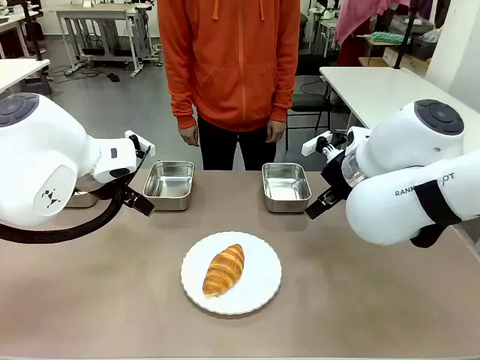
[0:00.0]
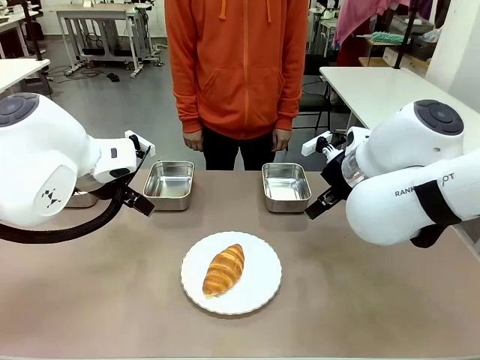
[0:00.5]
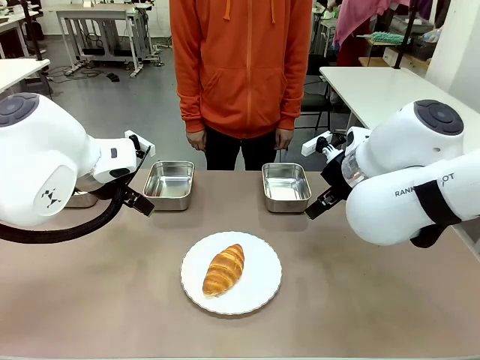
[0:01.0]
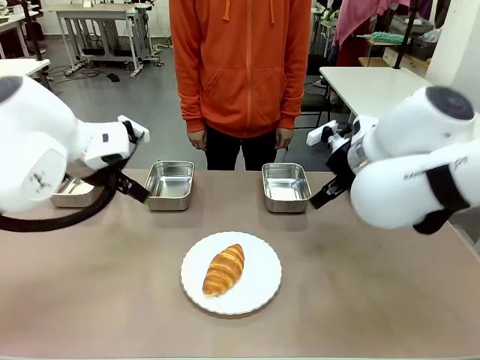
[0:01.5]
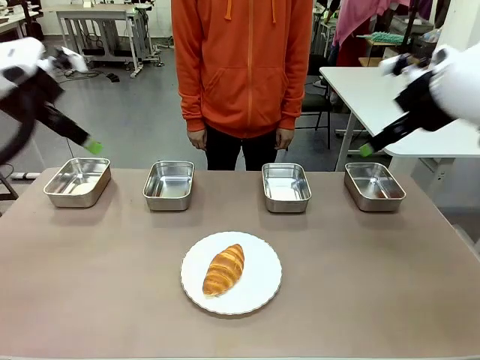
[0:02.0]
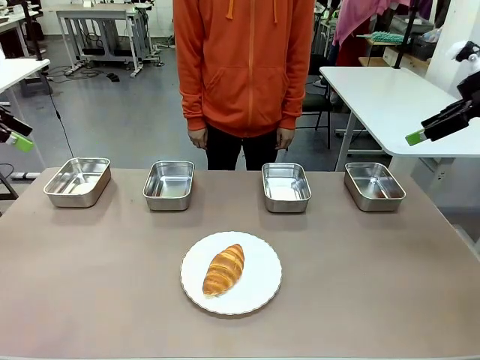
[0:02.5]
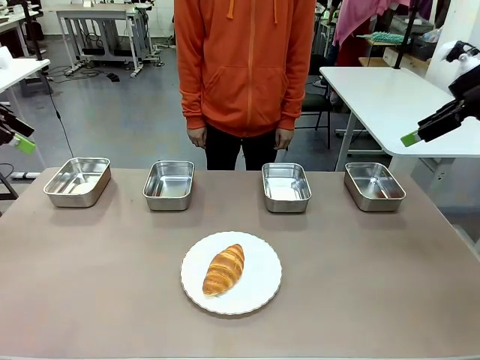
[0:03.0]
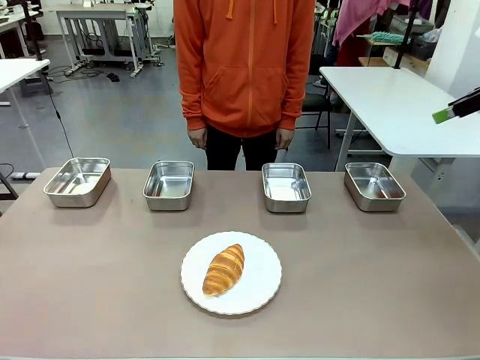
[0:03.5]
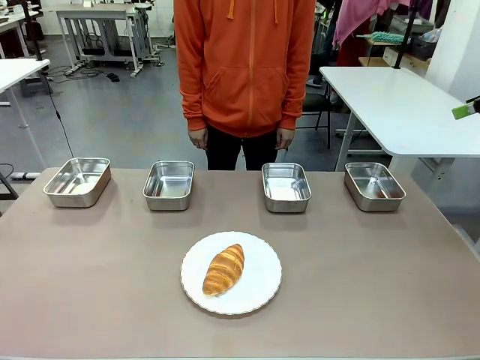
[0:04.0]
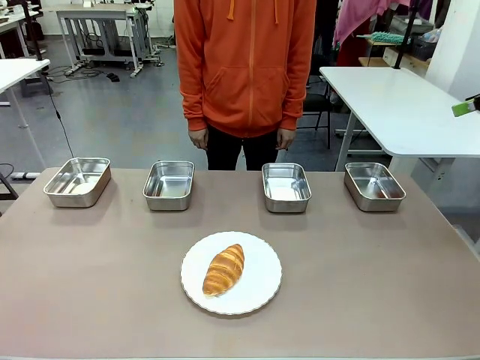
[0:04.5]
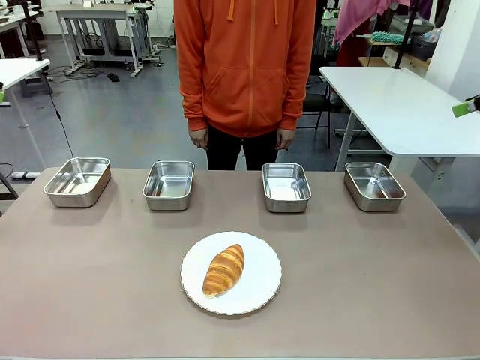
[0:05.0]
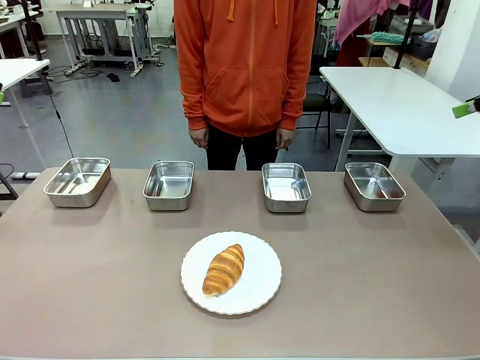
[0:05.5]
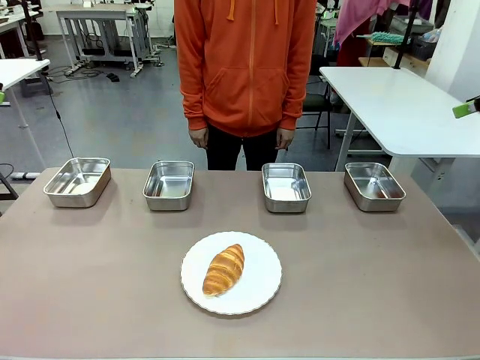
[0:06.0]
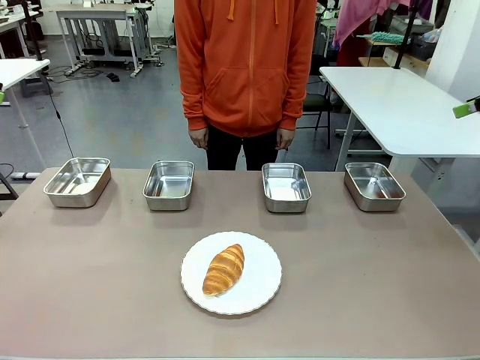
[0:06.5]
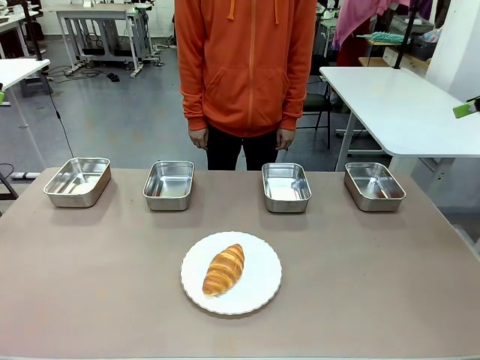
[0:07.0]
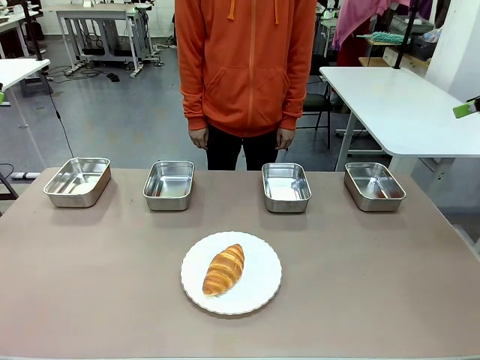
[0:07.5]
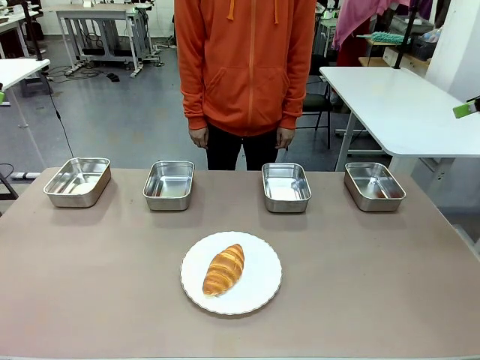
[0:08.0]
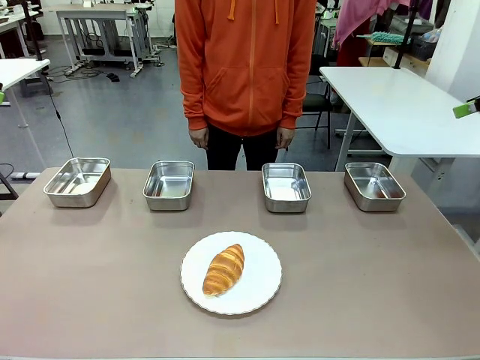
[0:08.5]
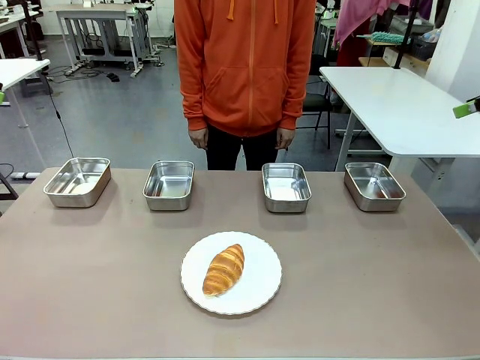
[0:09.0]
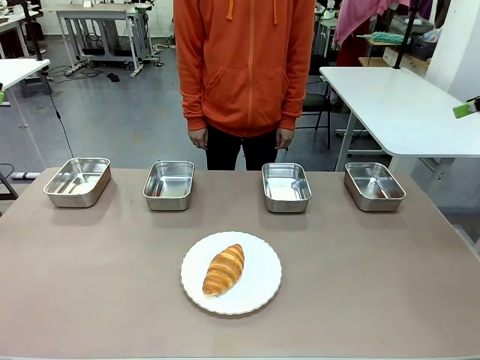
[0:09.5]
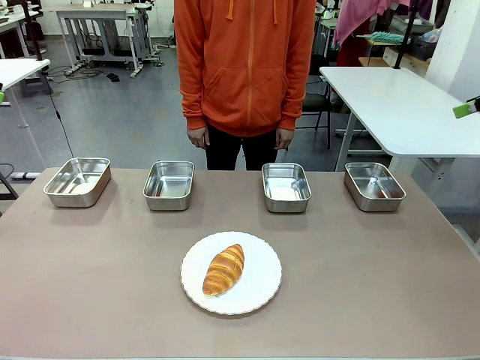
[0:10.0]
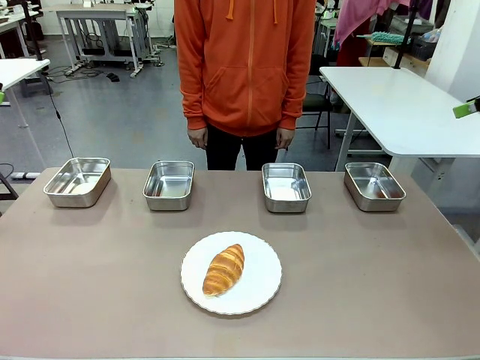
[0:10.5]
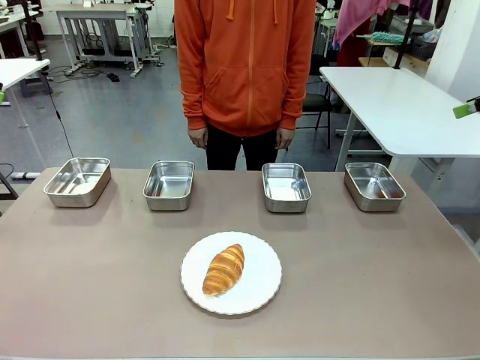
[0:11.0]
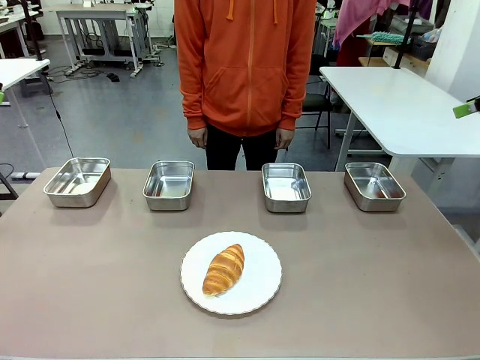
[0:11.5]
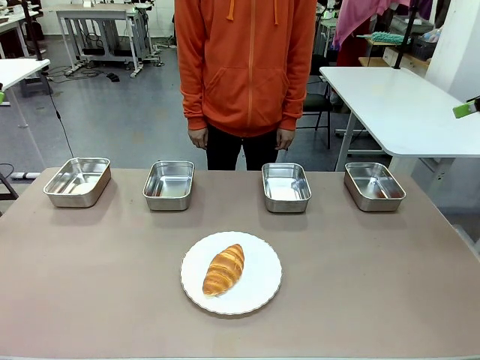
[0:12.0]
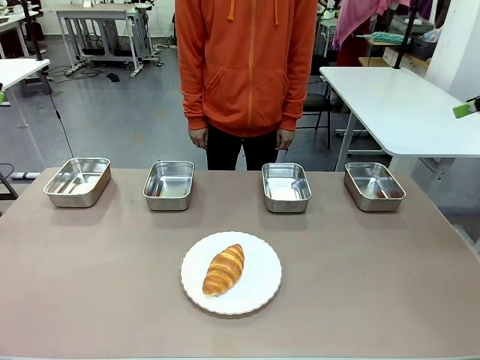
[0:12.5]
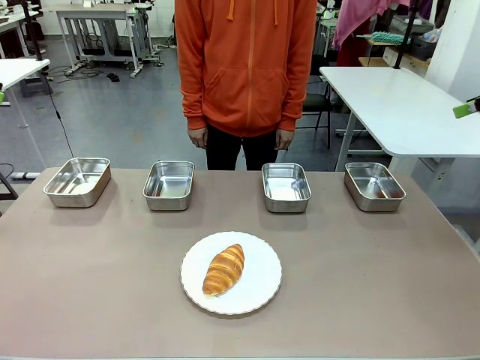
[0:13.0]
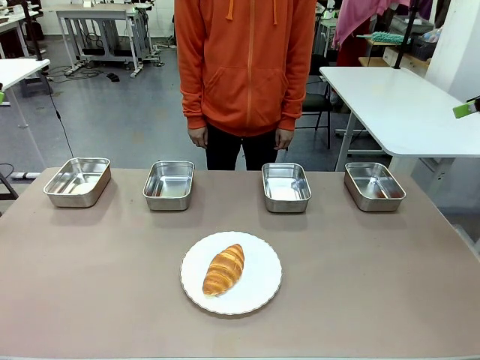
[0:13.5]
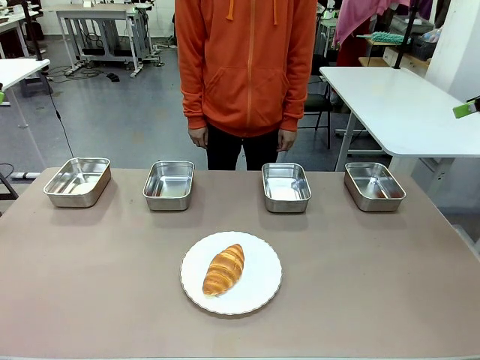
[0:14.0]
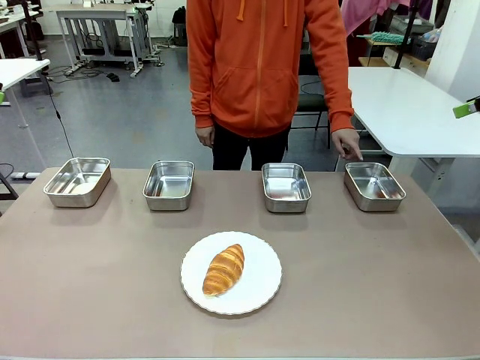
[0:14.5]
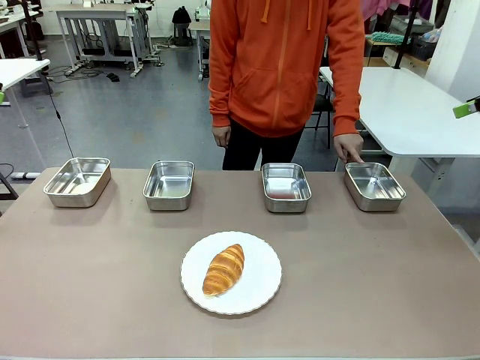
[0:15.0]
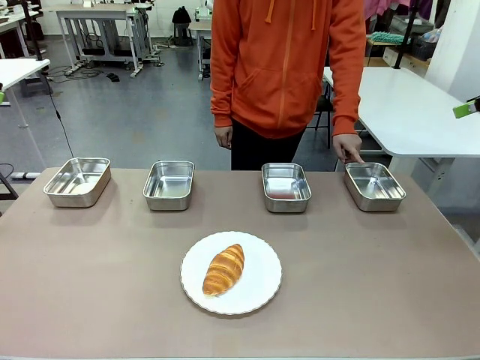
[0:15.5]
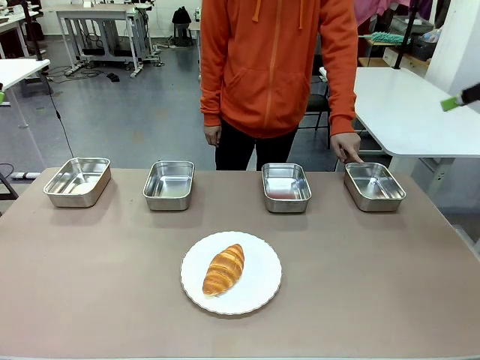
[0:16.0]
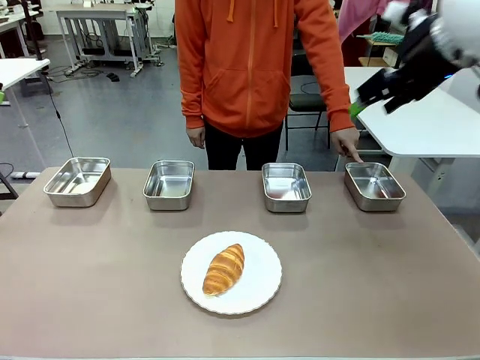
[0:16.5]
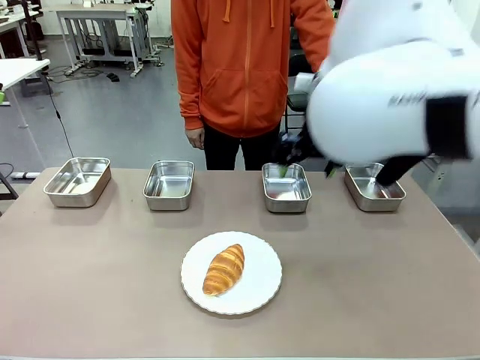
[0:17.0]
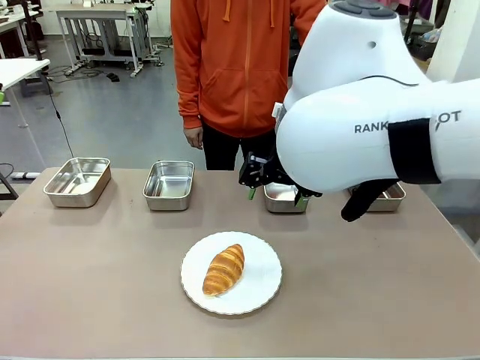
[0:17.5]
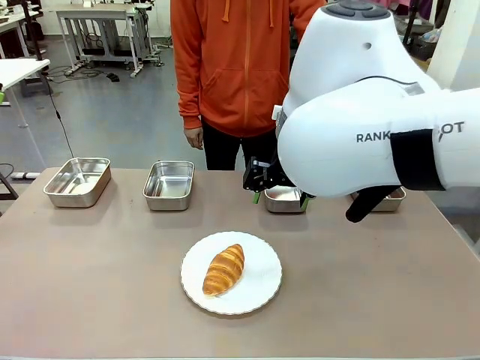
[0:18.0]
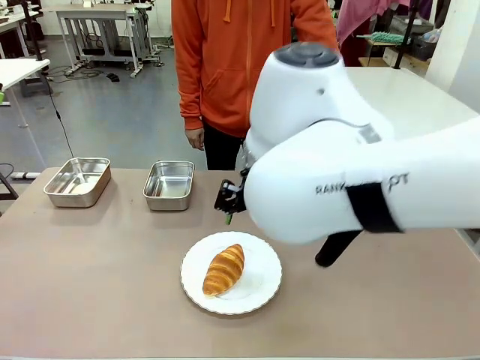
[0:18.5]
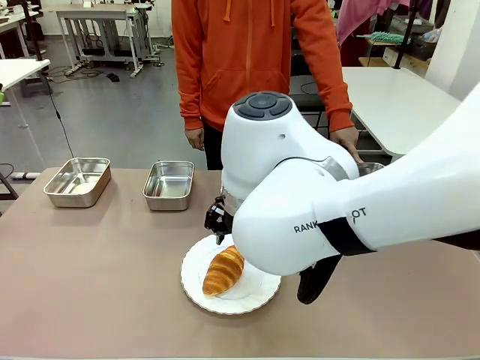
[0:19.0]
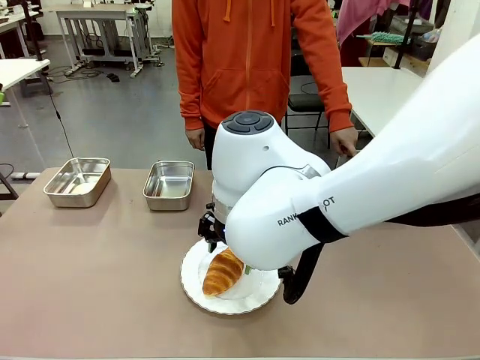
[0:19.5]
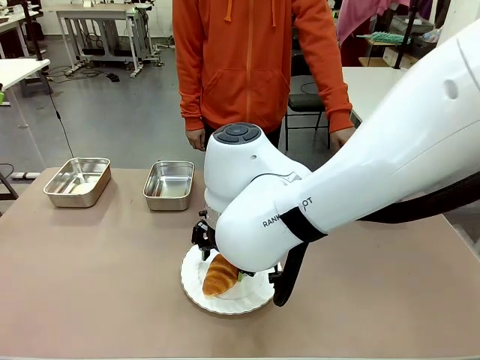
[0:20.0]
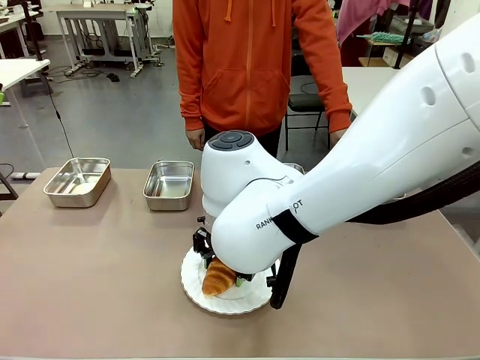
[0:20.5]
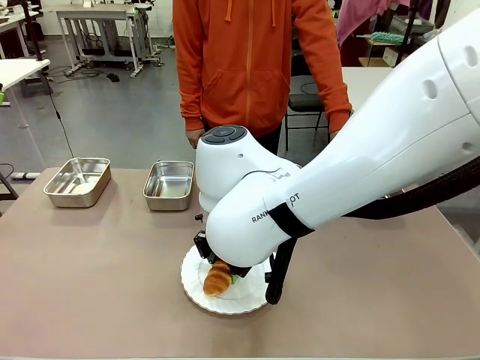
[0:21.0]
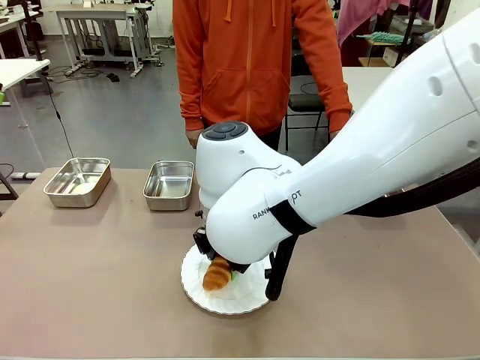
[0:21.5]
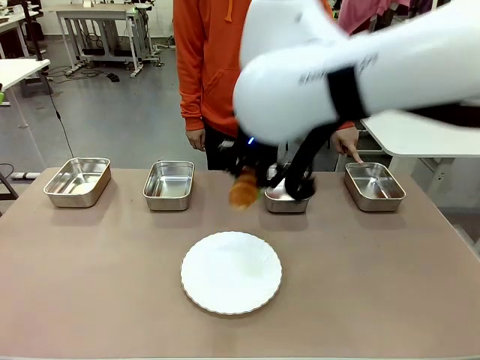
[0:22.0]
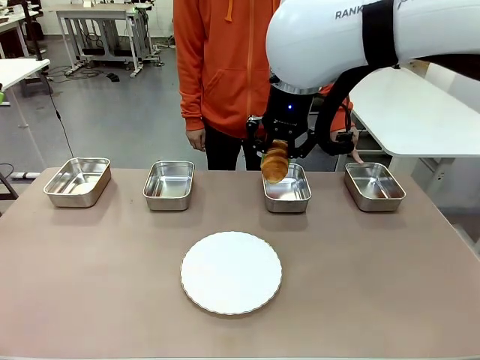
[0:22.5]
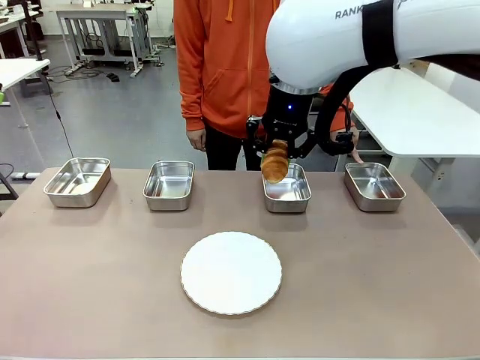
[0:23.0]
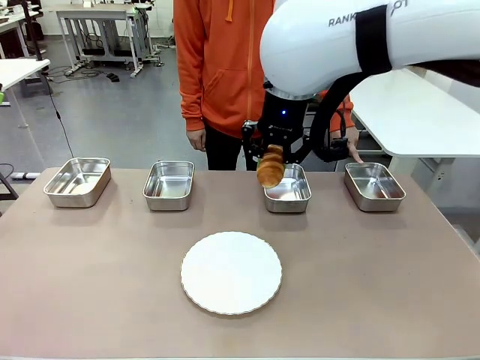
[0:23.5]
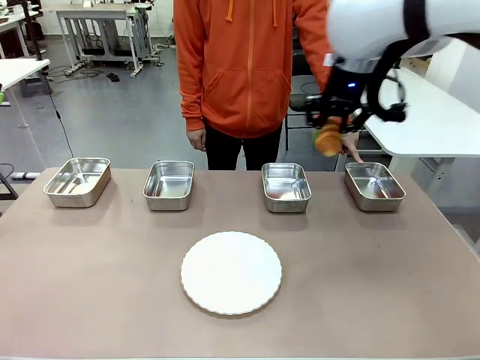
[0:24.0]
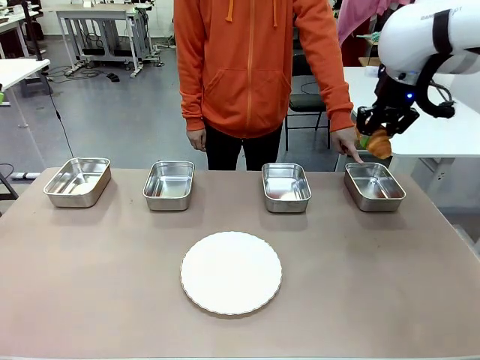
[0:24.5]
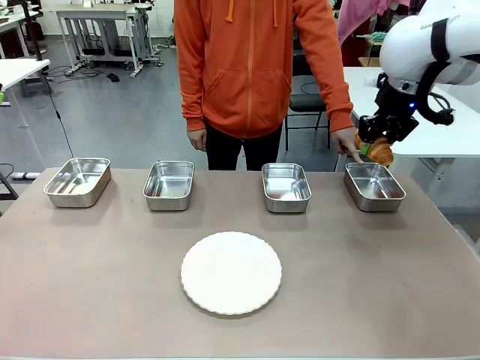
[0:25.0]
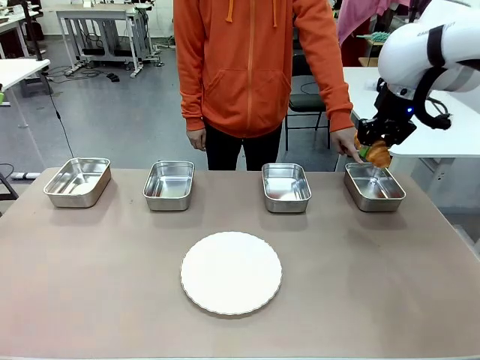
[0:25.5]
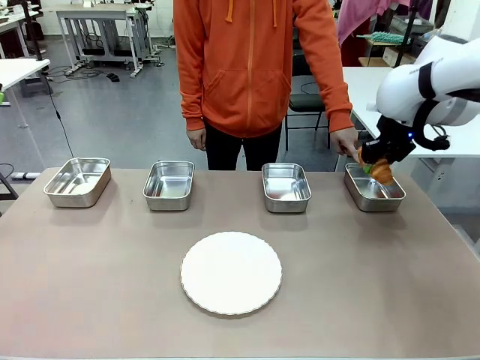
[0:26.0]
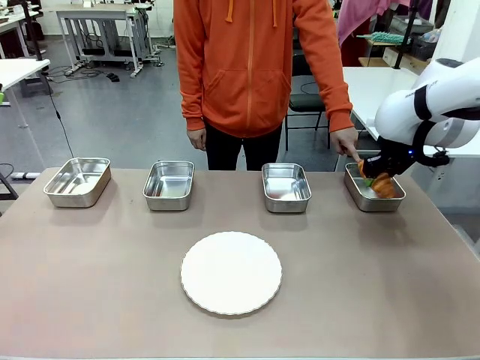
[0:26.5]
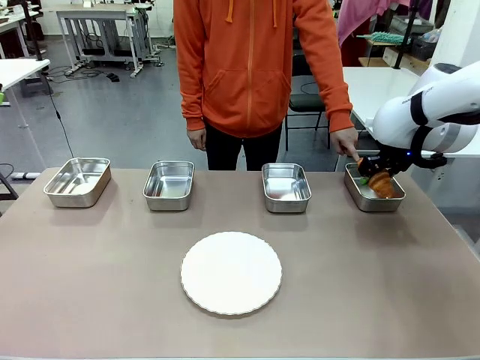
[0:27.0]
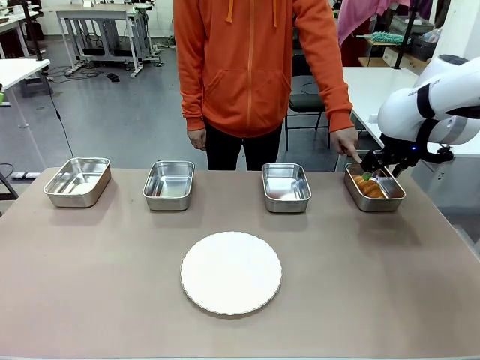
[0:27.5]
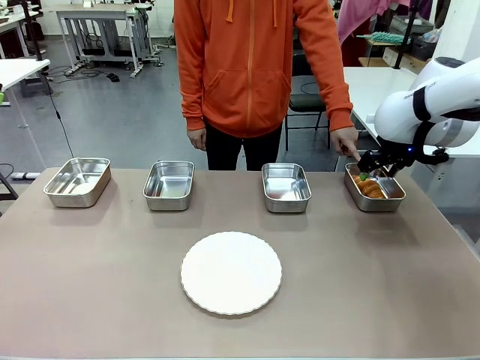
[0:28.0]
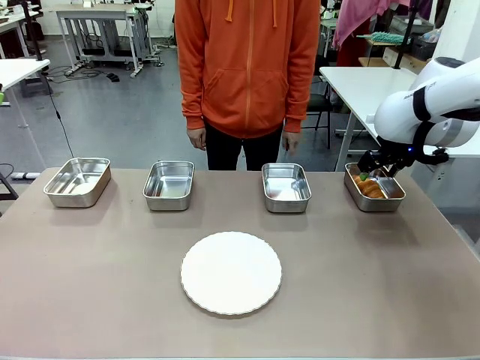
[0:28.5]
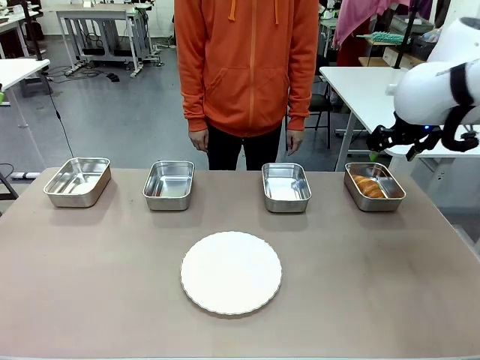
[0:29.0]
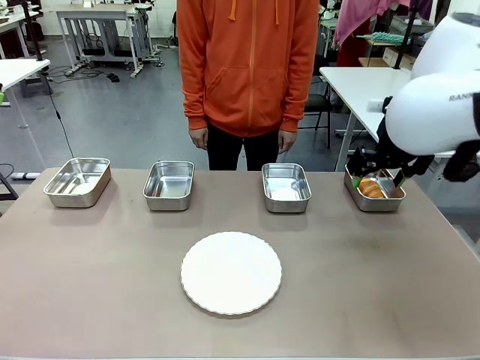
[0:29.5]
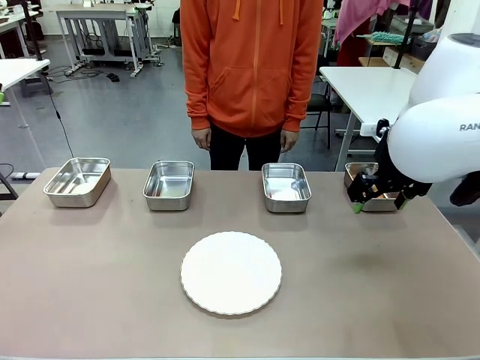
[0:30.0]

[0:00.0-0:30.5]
Task: Place the bread in the container.
Robot: Place the Butter Roll into the Airtight Container indicated by the human.
Person: A person randomly selects and points to an Airtight Container.
